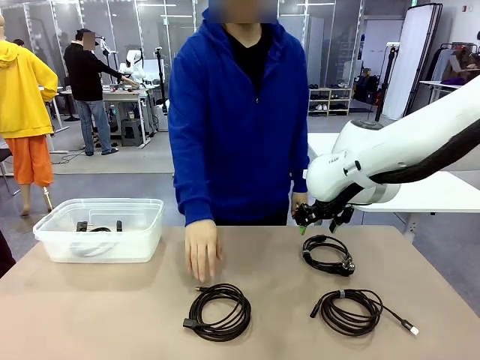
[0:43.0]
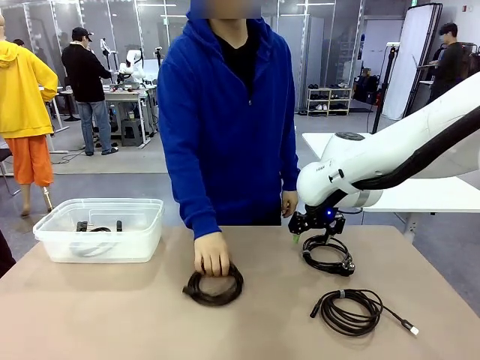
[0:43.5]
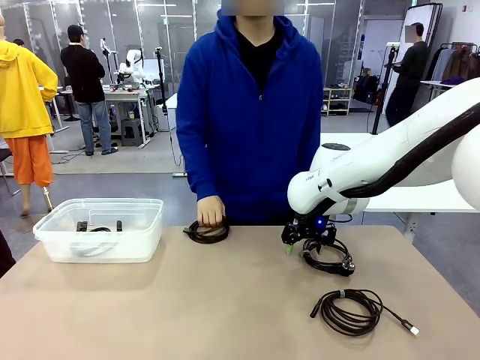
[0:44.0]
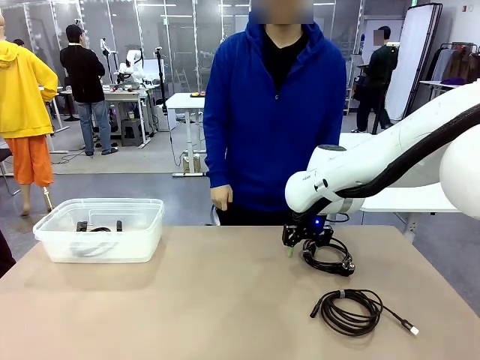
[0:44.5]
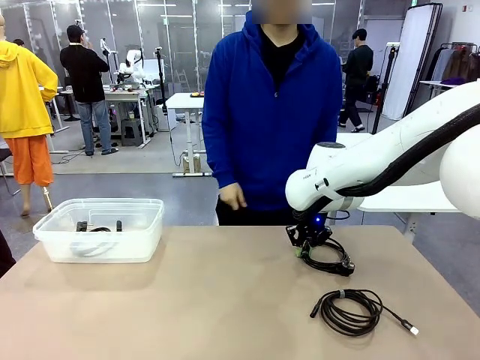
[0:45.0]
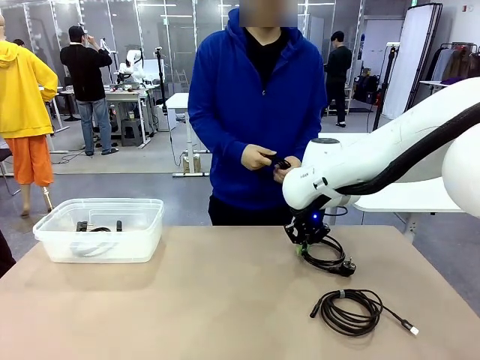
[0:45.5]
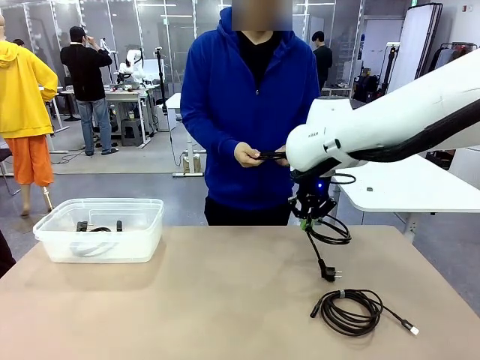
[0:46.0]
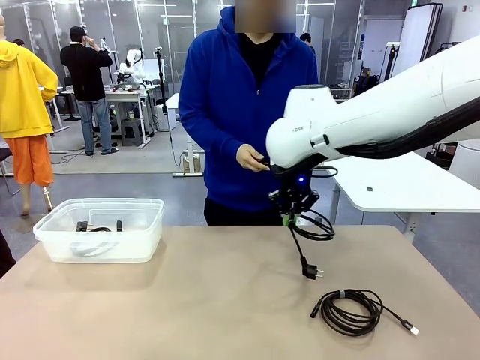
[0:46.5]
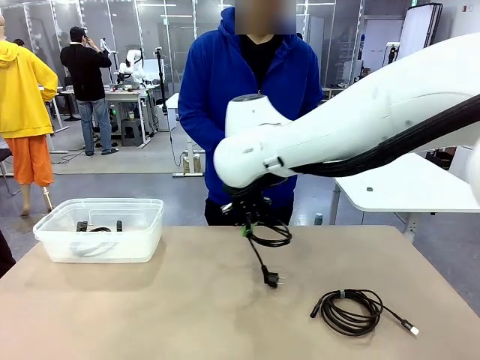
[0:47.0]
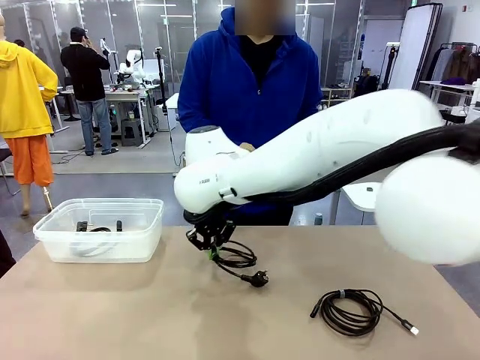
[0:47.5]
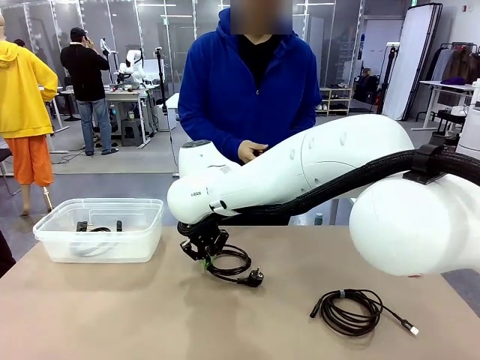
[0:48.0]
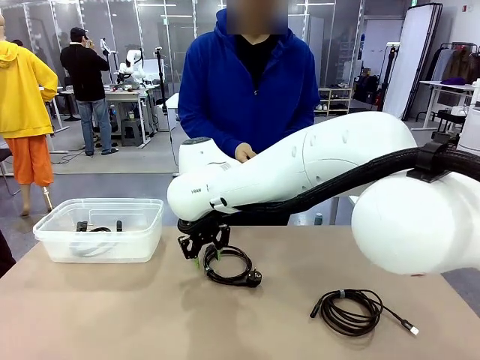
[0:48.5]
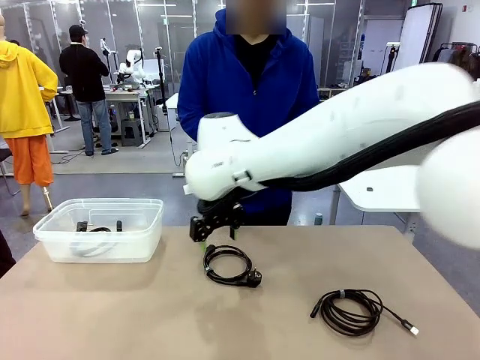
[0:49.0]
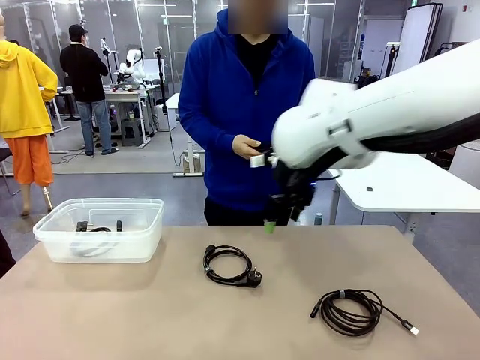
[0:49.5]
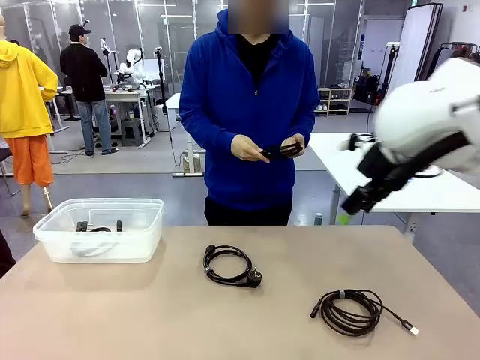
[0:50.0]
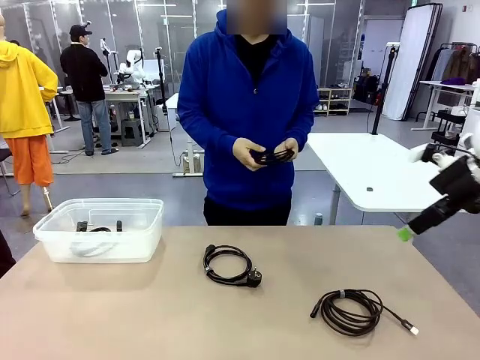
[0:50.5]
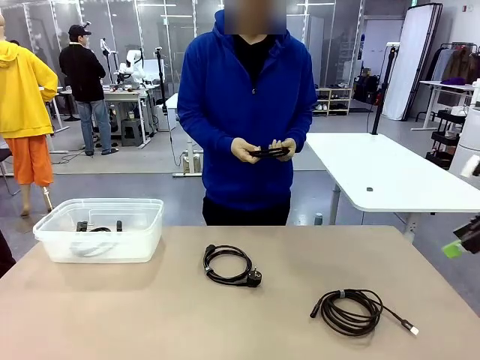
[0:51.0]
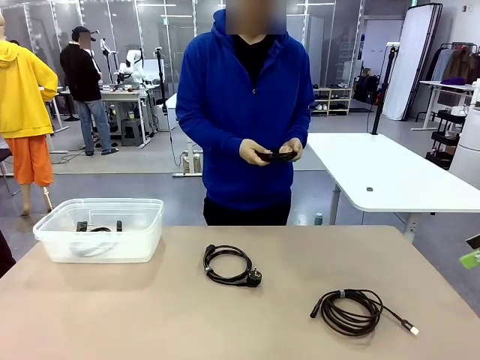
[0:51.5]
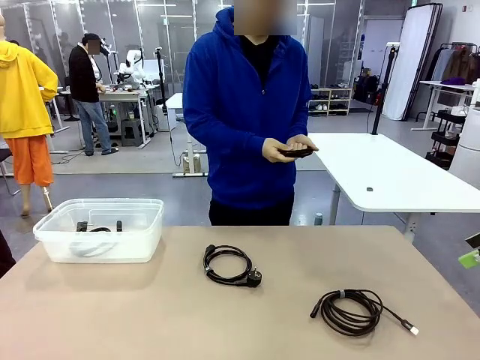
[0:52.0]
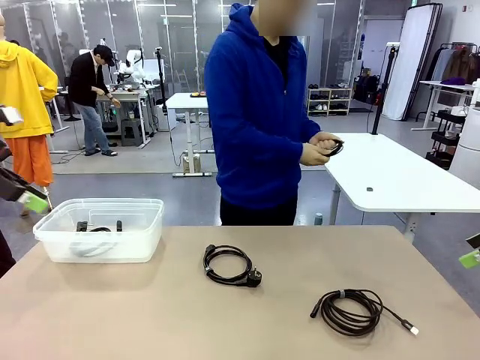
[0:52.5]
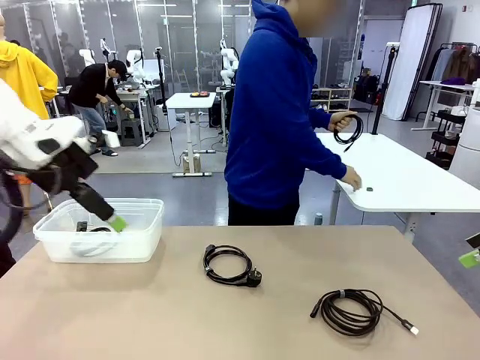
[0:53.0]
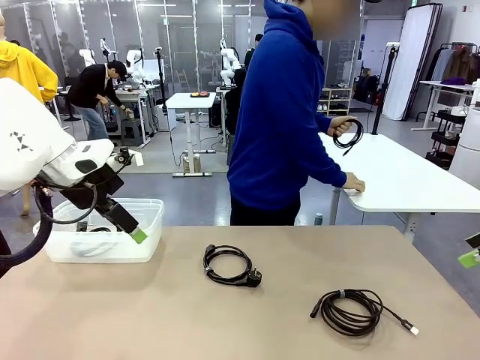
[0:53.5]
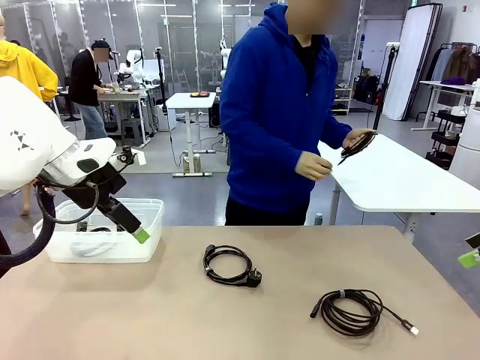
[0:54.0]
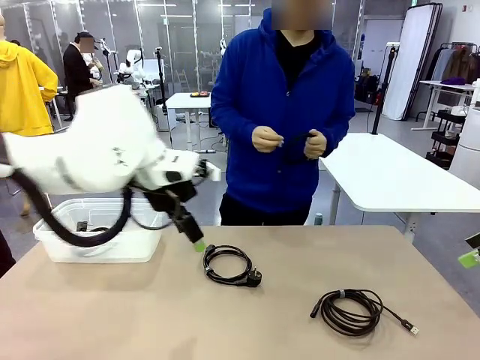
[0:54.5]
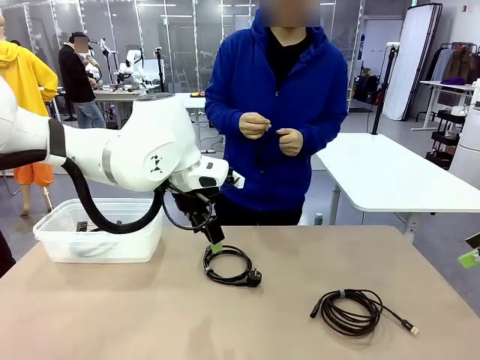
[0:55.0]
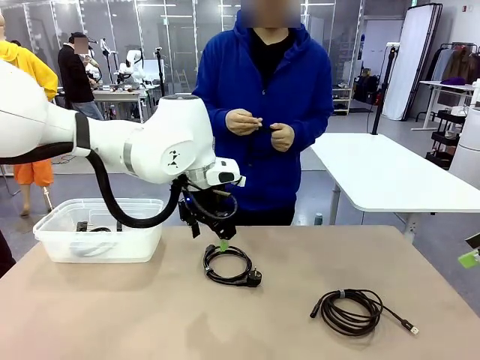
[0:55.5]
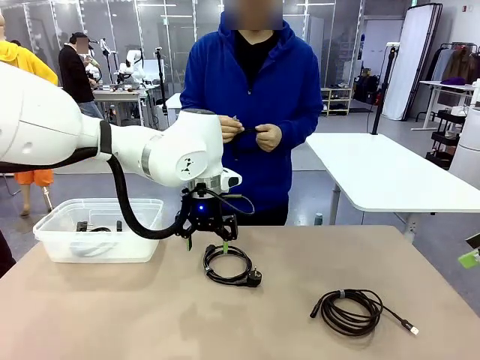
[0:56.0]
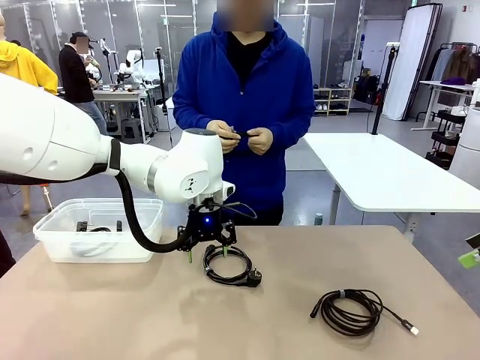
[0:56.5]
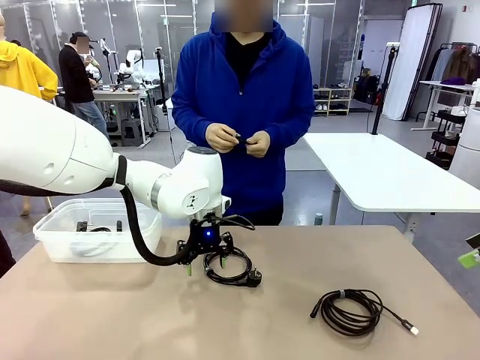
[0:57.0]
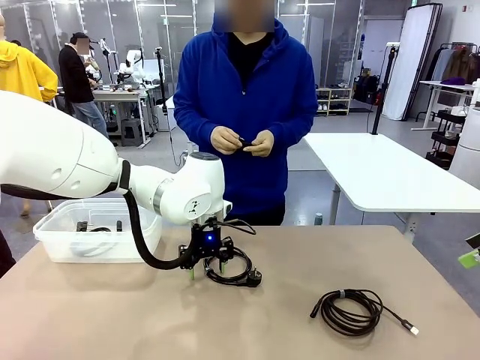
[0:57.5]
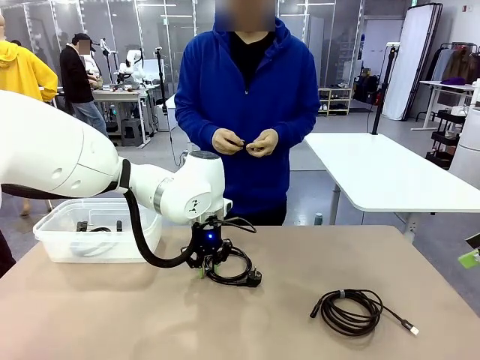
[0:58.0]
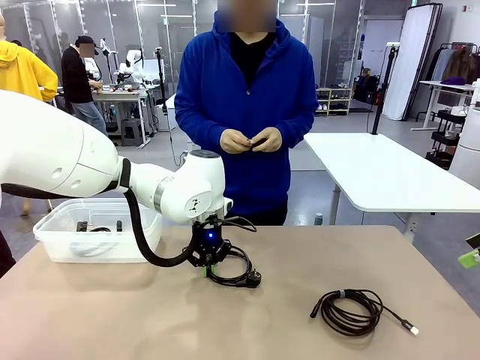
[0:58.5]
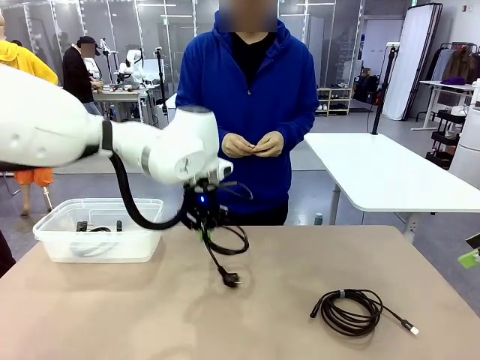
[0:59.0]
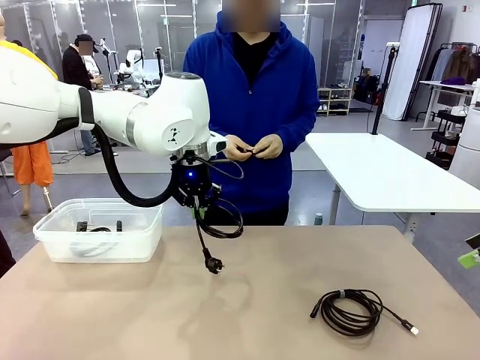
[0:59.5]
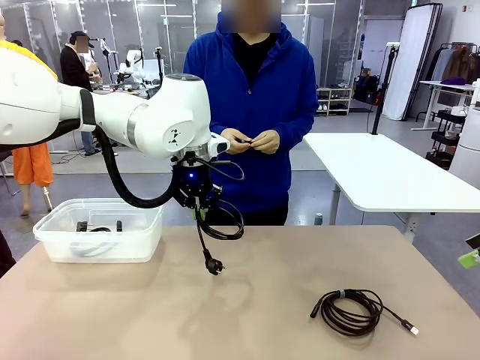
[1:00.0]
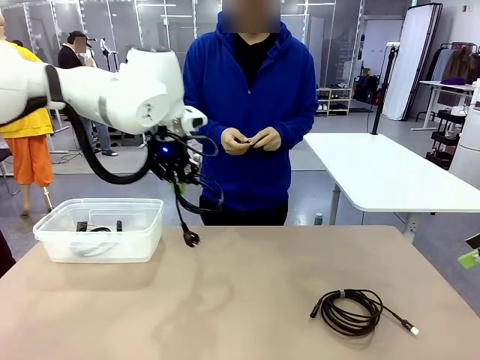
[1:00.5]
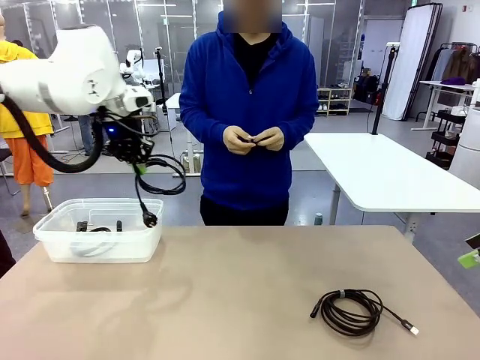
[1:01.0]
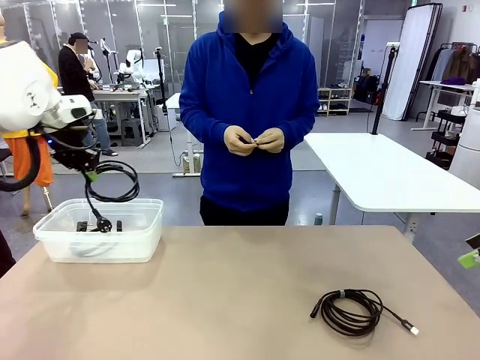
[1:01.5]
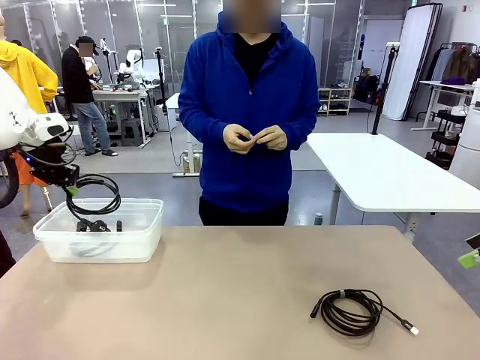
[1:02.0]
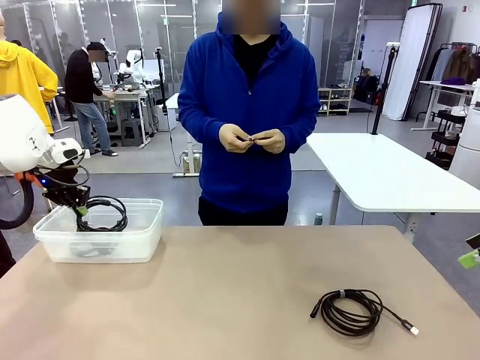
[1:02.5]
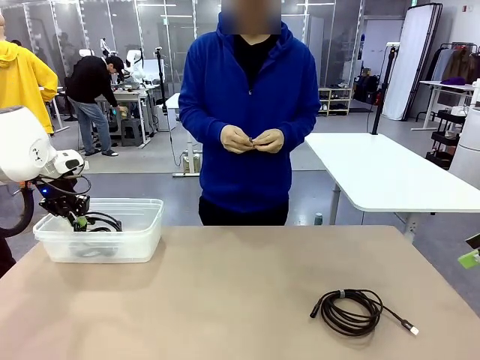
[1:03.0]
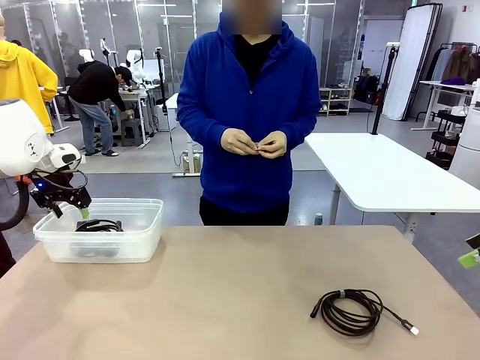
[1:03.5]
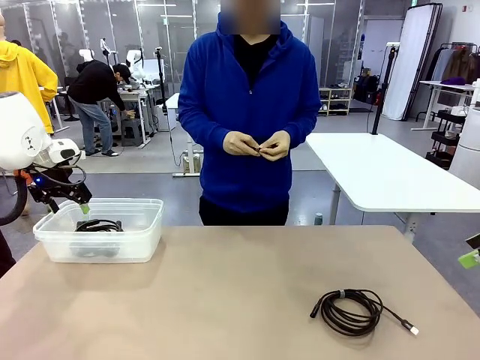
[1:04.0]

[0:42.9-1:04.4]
Task: Organize and store the cables.
Robot: Place the Power Cable into the Organizing box.

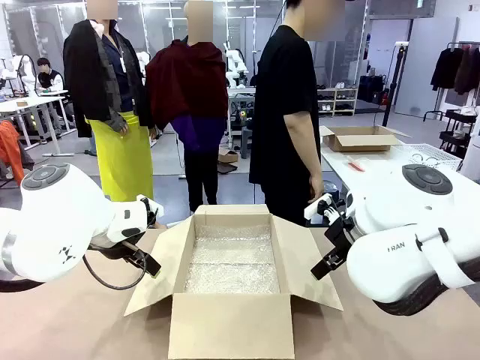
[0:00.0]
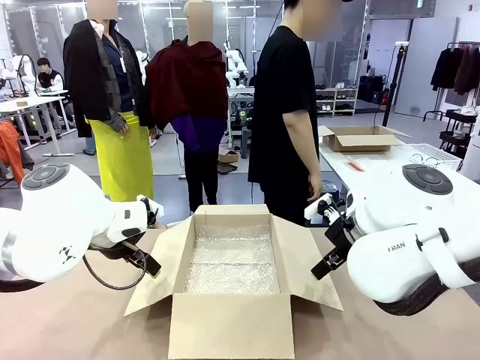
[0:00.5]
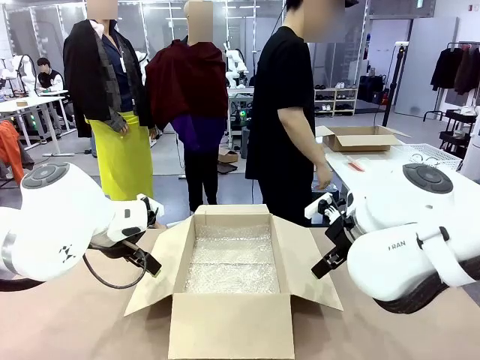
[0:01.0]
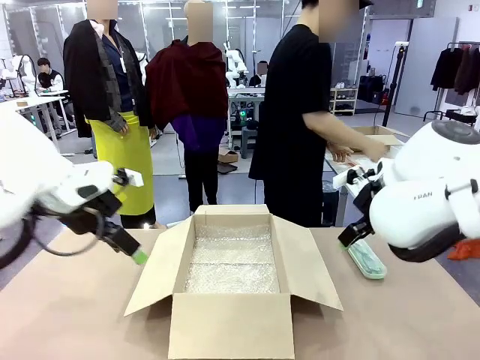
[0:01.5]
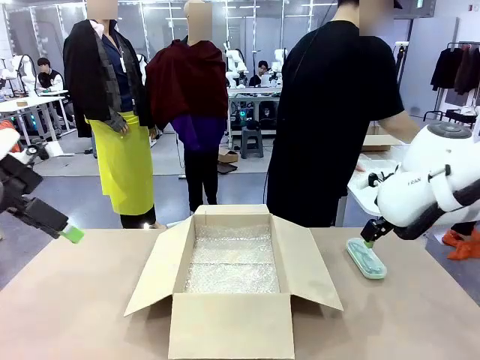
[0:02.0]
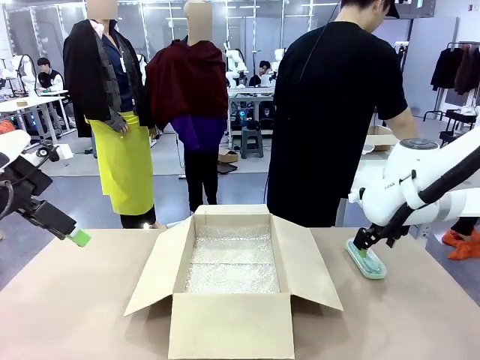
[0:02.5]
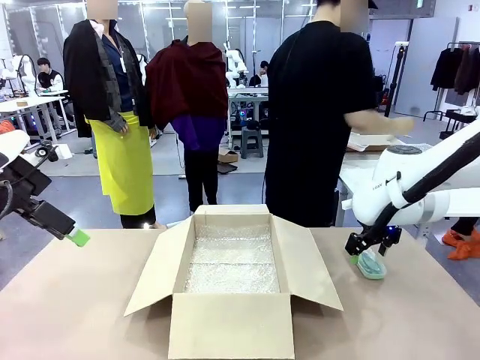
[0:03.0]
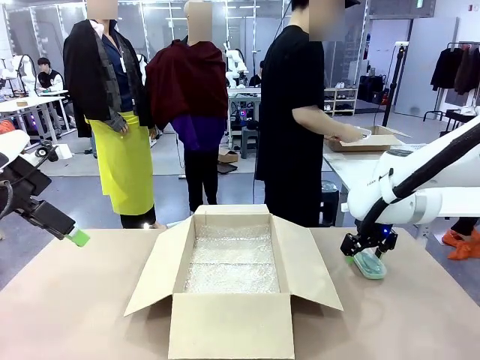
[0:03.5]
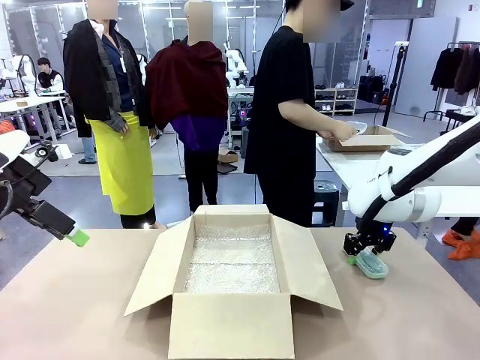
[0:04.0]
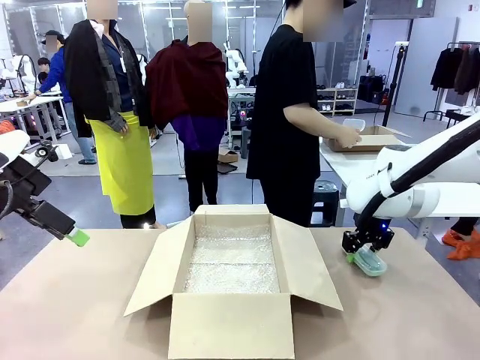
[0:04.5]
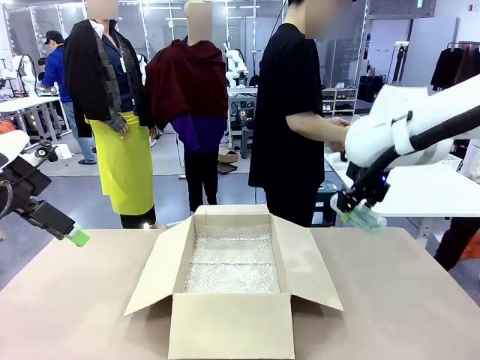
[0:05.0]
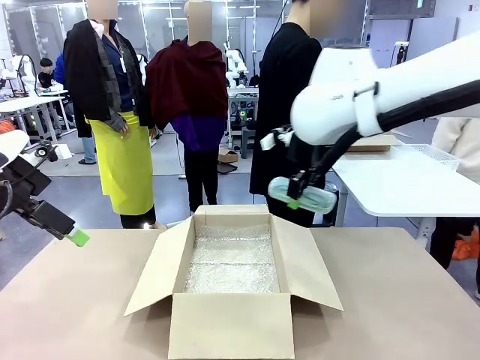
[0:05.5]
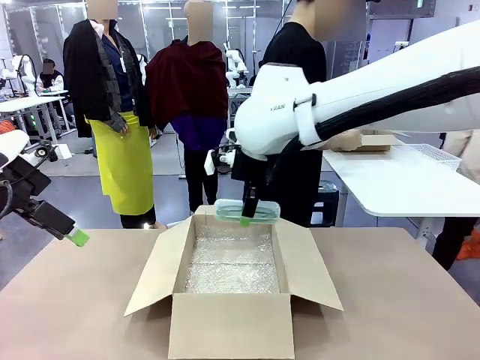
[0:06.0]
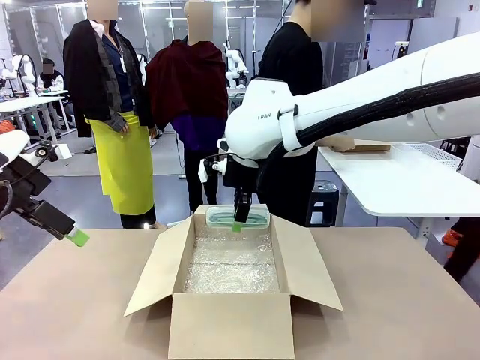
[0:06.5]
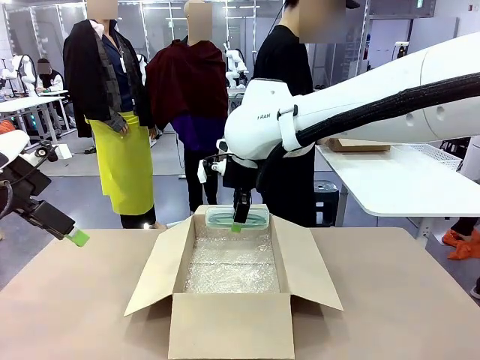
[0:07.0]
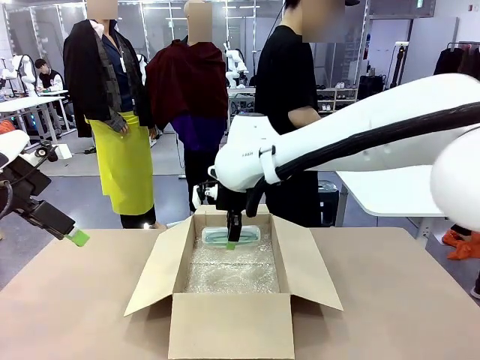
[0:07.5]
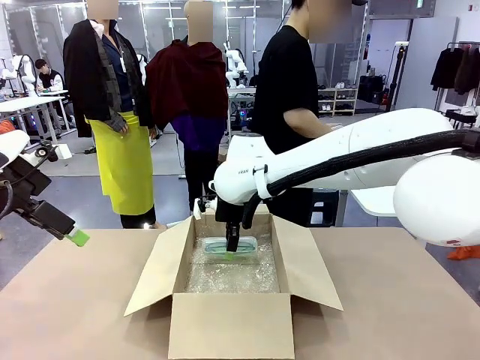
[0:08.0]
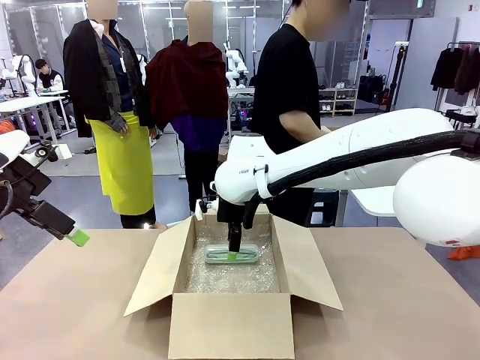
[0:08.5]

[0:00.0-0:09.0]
Task: Pack the glasses set securely to prepare it for shipping.
Robot: Place the Glasses case inside the Package Box.
Person: Place the Glasses inside the Glasses case.
